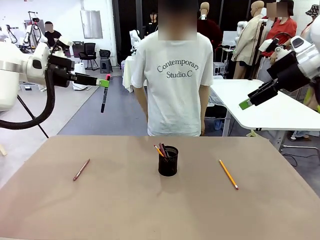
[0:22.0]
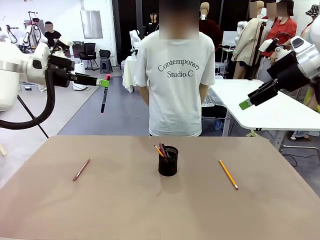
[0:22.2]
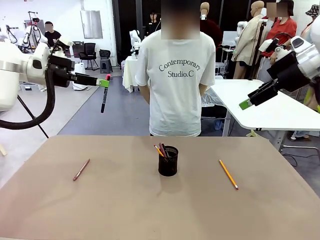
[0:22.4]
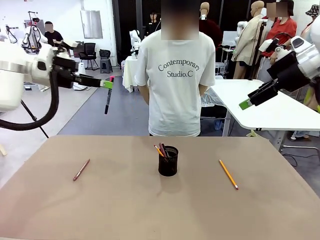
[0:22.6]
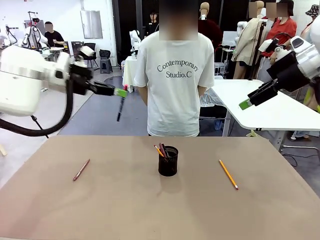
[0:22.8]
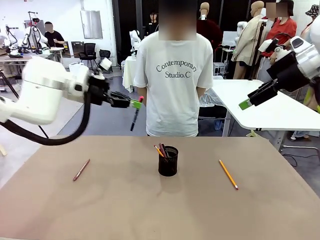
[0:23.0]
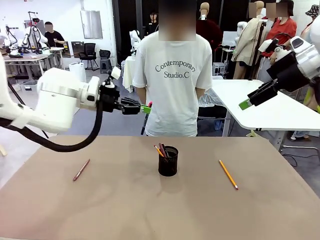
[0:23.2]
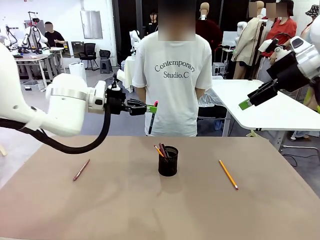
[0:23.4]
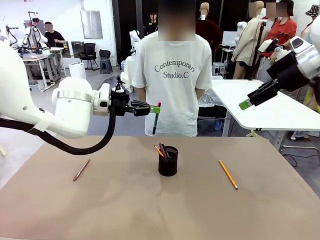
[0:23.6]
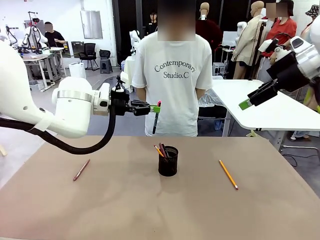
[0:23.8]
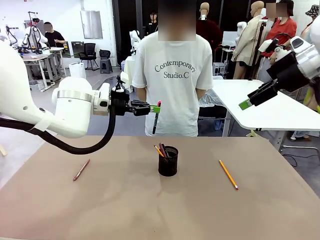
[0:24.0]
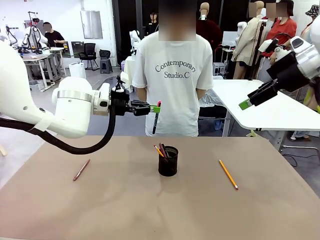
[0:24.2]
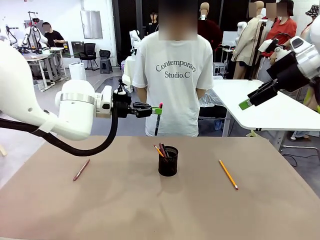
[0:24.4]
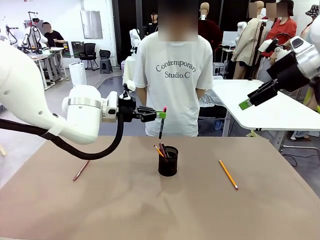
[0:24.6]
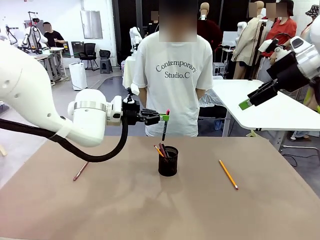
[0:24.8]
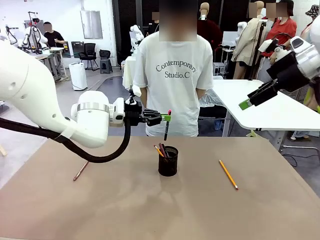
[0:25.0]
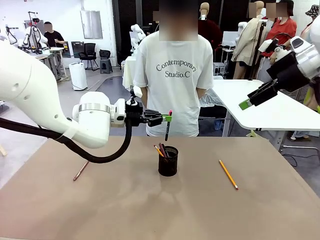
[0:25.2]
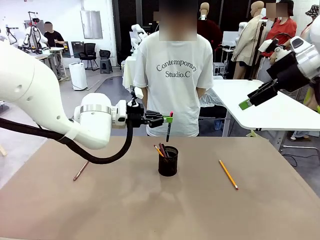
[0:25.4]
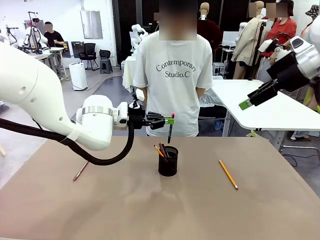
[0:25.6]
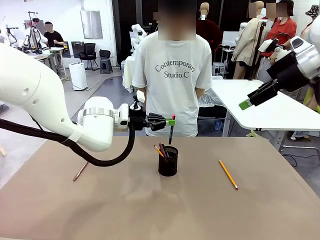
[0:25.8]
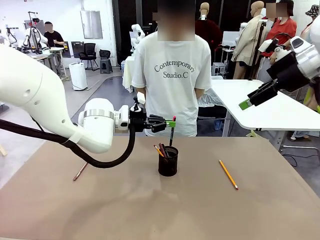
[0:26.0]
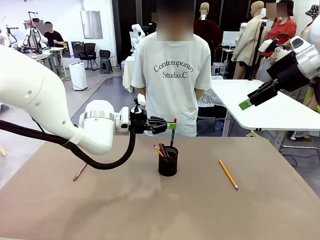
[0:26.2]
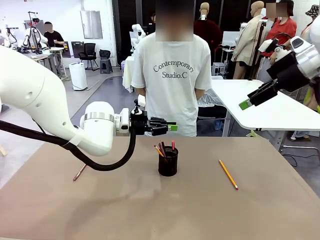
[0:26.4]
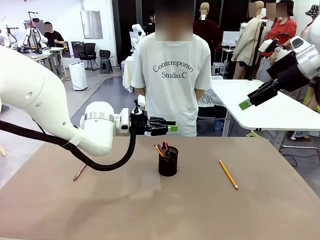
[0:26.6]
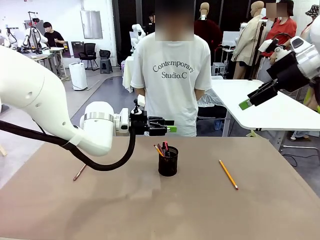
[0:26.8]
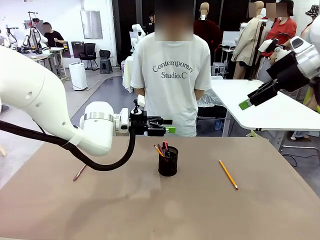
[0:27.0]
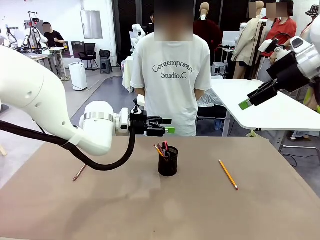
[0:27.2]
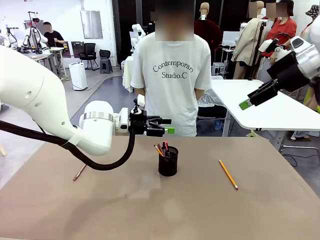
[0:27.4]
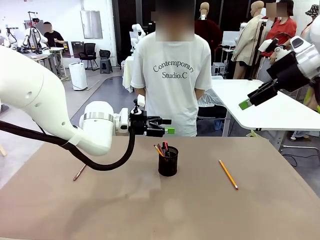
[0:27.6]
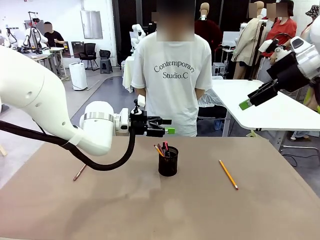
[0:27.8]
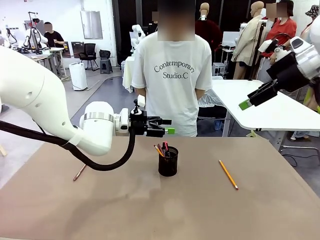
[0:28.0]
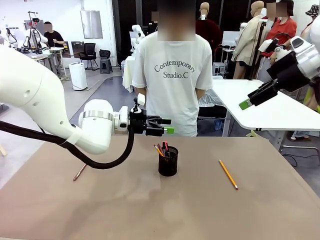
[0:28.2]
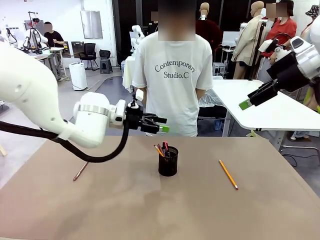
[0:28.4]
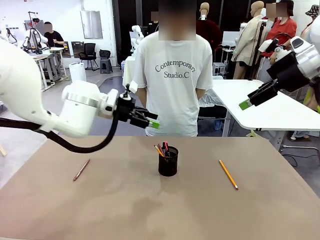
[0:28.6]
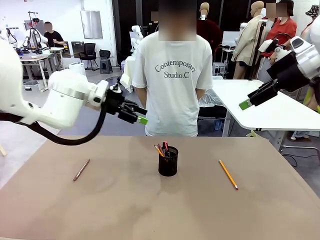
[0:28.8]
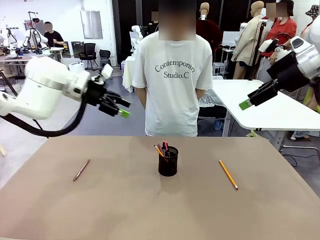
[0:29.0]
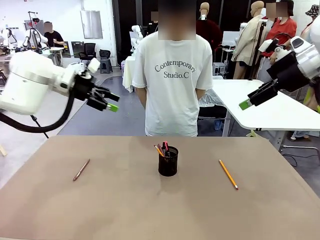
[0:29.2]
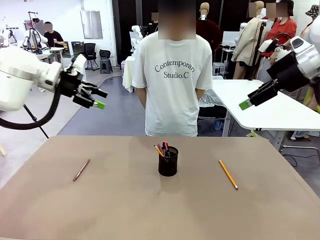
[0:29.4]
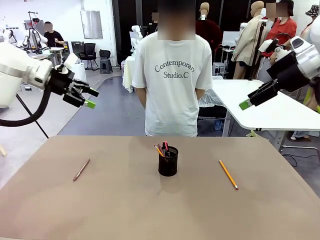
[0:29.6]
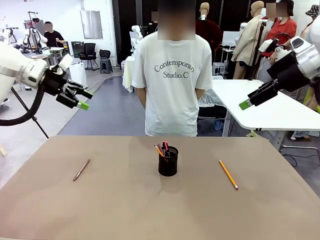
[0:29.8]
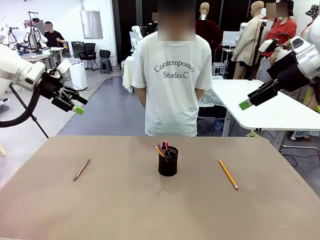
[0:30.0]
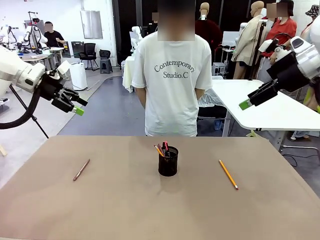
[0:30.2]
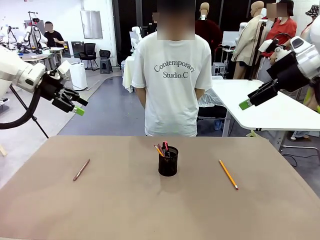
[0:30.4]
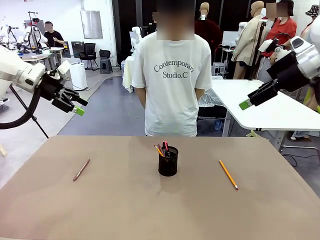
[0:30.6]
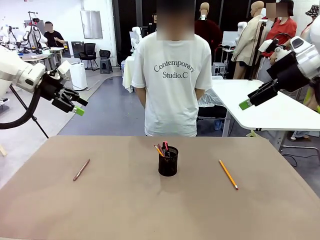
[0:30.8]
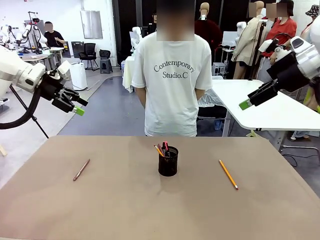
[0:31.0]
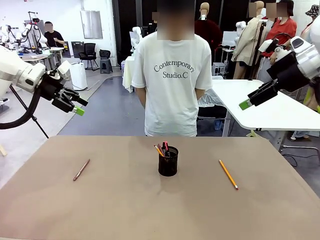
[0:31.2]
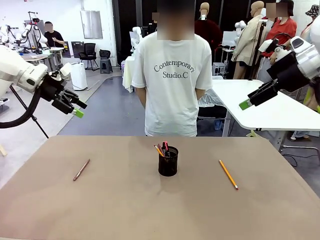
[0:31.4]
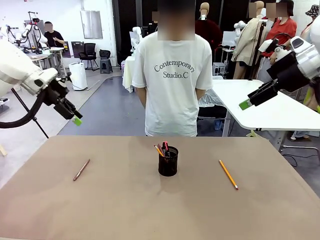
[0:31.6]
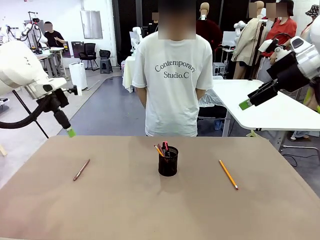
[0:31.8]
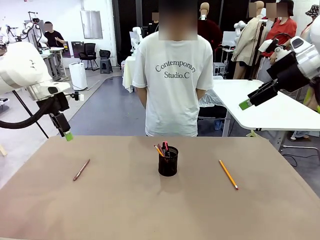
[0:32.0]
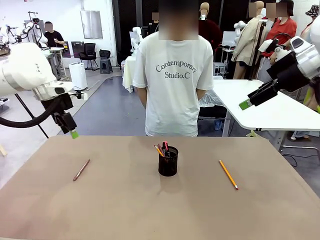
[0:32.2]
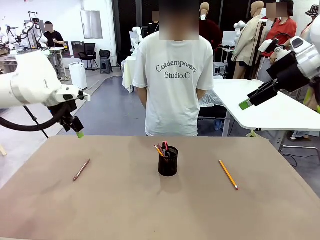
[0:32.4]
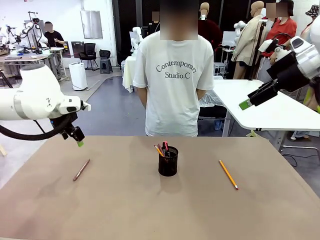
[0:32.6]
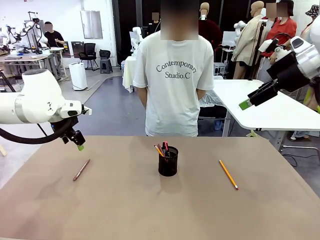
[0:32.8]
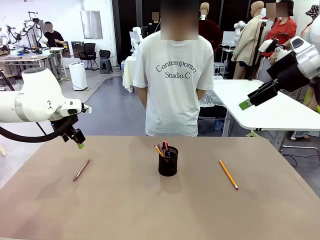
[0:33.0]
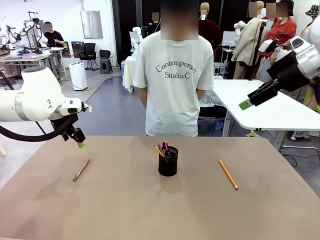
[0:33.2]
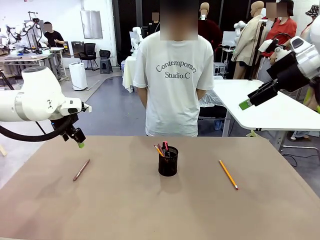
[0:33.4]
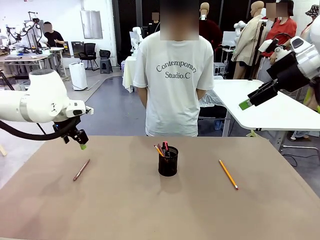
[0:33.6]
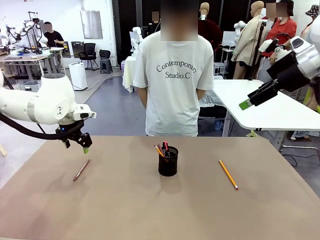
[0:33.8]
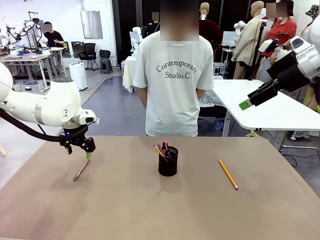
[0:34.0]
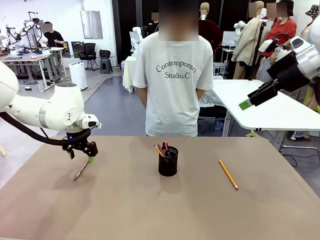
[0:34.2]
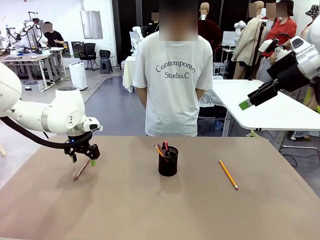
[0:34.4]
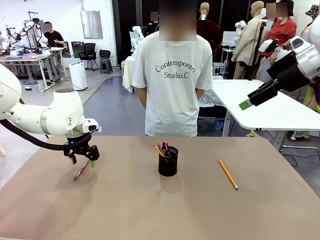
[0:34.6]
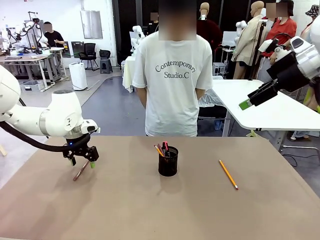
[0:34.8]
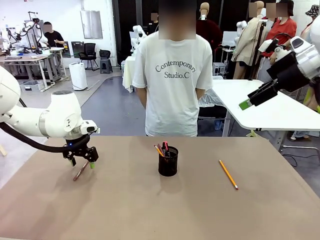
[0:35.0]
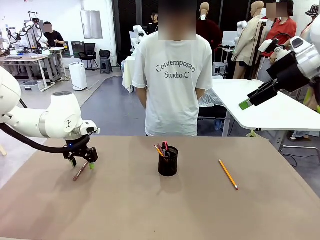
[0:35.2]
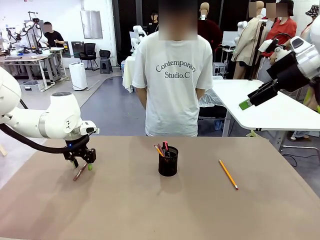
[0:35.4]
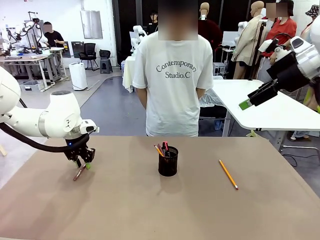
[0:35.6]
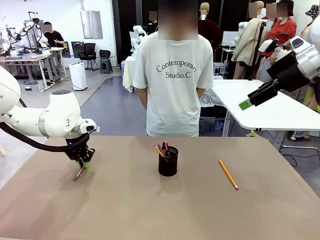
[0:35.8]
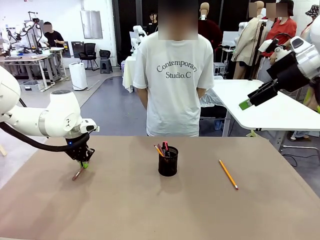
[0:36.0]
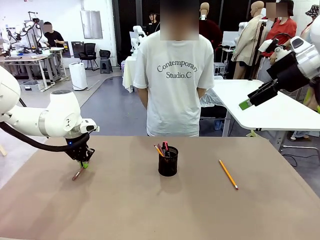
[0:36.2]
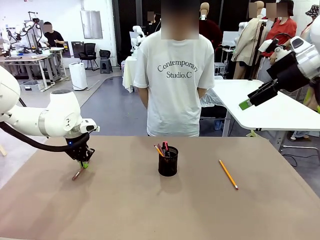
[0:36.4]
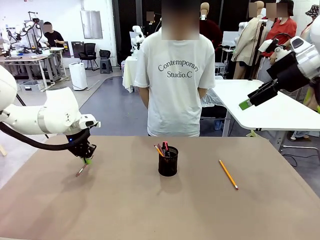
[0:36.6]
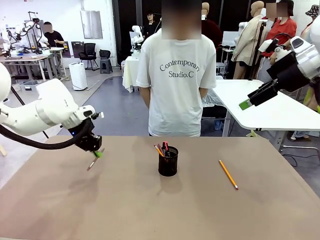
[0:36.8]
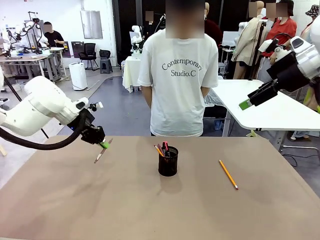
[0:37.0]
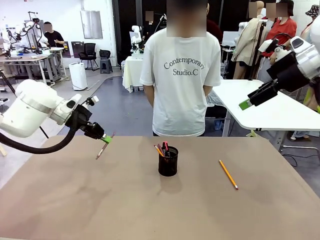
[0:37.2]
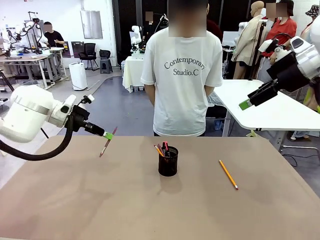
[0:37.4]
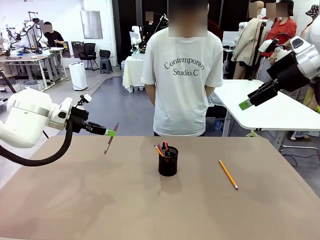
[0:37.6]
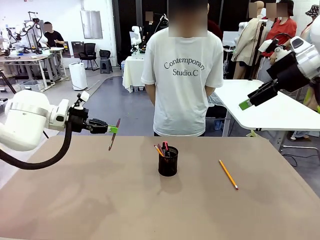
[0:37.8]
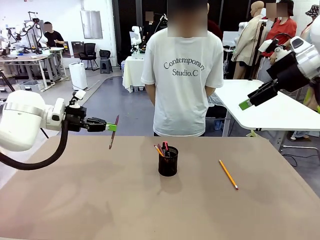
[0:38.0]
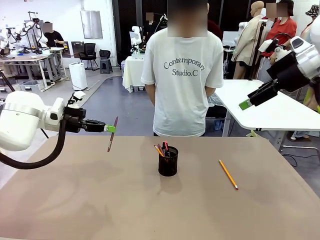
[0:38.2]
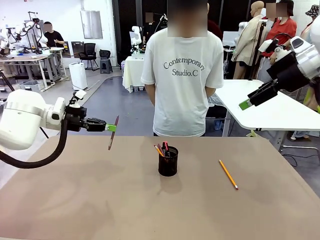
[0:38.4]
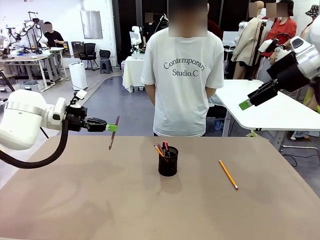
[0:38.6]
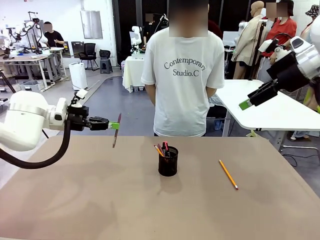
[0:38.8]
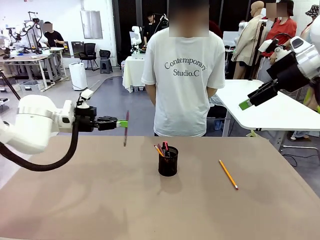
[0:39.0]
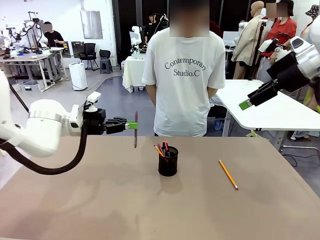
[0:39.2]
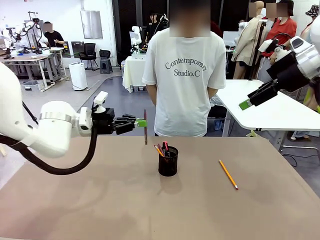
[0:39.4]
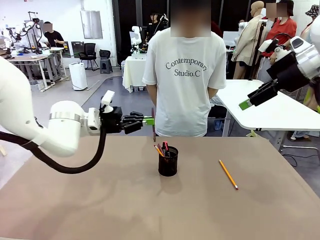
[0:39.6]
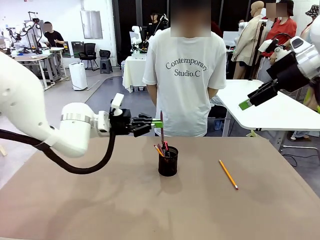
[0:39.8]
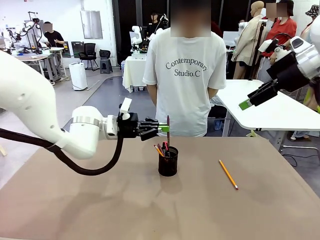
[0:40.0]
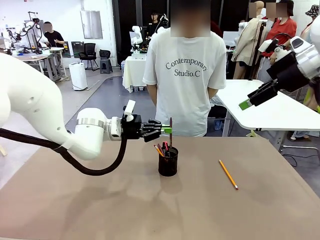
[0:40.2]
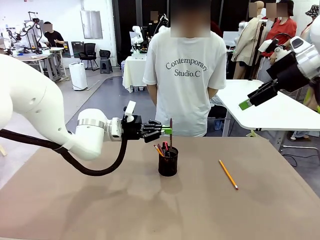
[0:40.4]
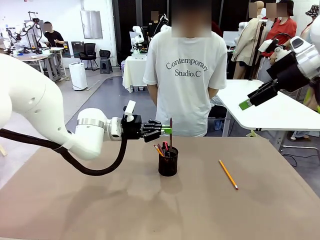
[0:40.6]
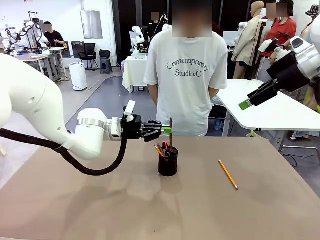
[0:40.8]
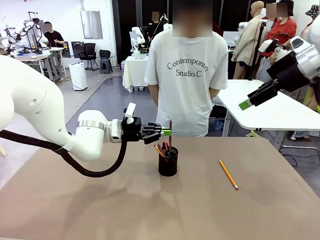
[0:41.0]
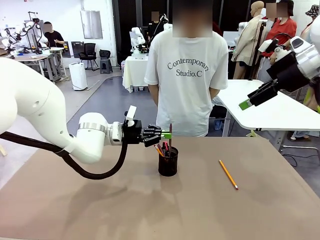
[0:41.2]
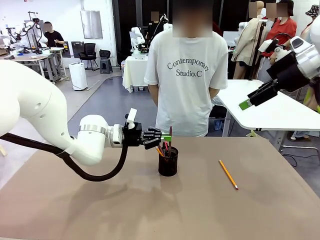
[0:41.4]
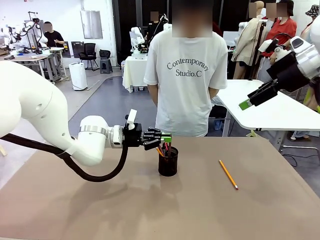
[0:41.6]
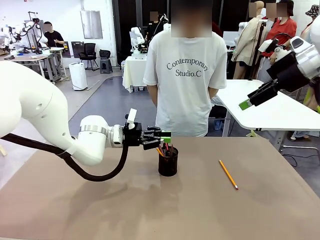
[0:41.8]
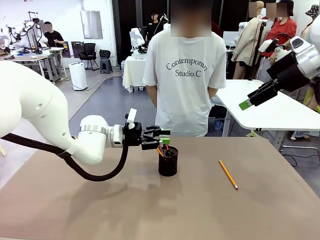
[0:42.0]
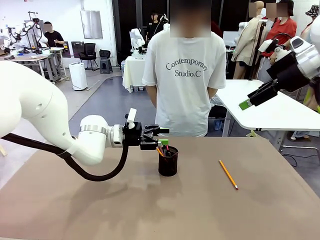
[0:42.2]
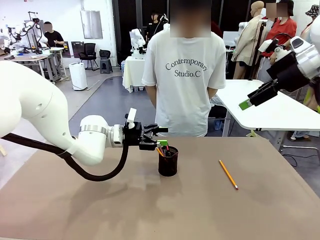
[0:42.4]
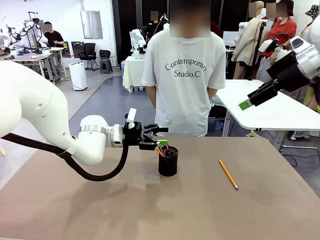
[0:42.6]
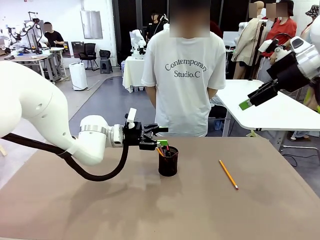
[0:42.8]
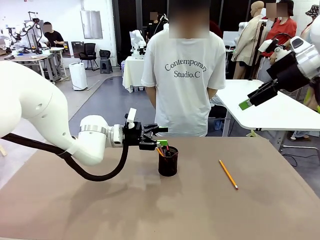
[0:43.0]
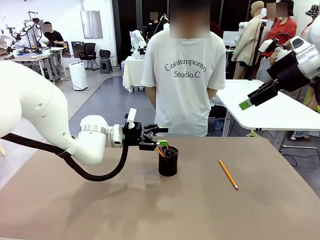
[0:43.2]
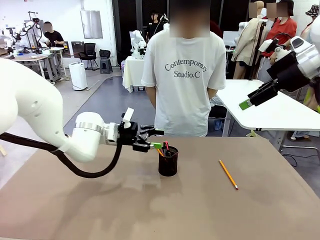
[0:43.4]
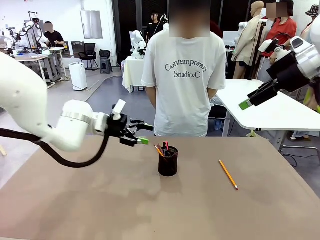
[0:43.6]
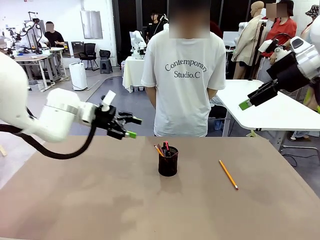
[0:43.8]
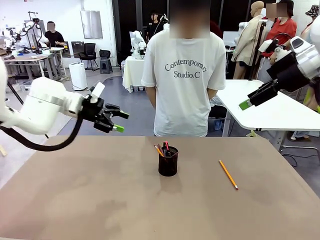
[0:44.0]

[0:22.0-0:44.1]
Task: Place the pens into the pen holder.
Robot: Pick up a writing instrument from the table and place it into the Pen holder.
